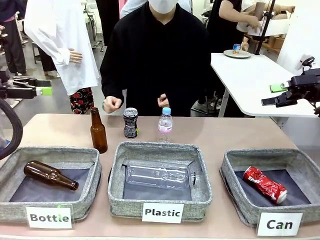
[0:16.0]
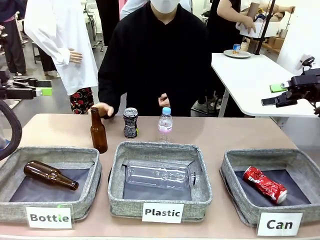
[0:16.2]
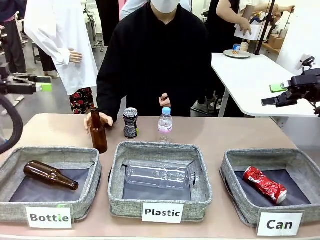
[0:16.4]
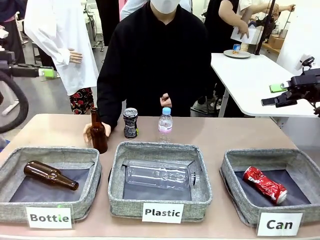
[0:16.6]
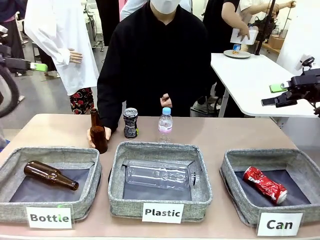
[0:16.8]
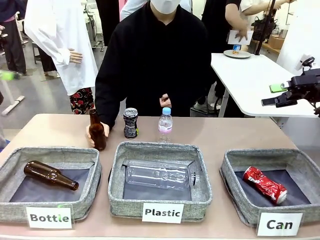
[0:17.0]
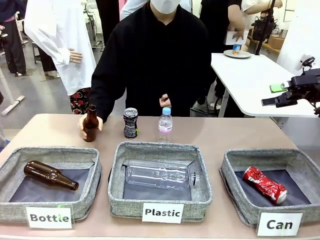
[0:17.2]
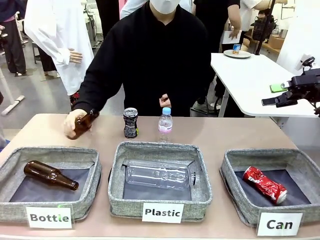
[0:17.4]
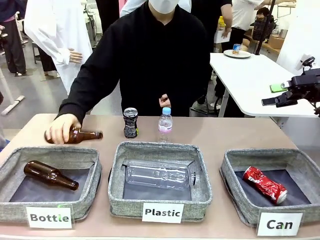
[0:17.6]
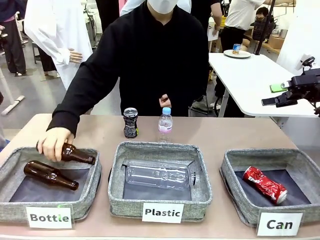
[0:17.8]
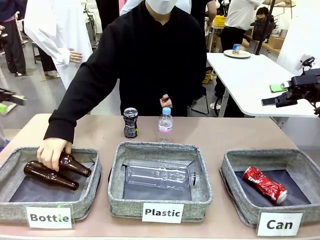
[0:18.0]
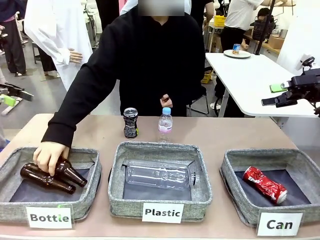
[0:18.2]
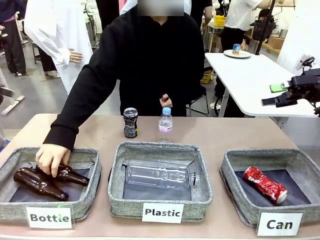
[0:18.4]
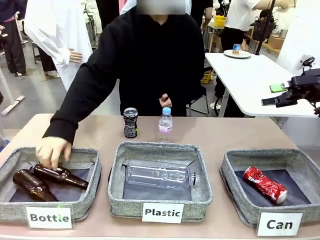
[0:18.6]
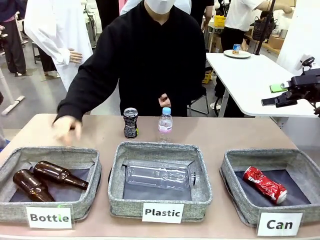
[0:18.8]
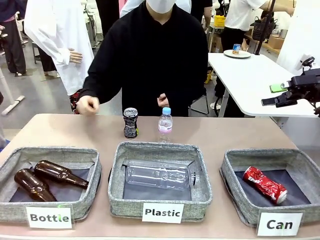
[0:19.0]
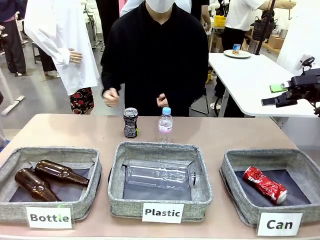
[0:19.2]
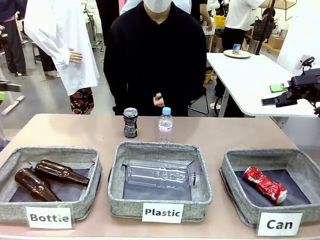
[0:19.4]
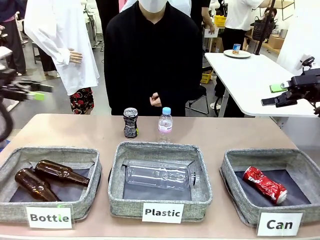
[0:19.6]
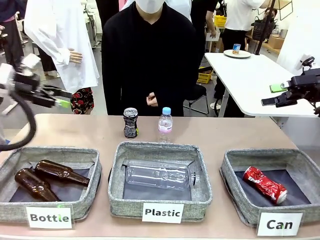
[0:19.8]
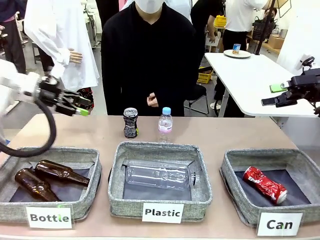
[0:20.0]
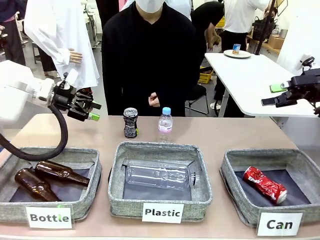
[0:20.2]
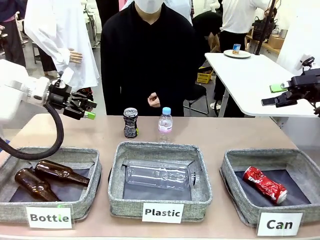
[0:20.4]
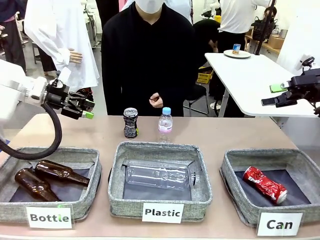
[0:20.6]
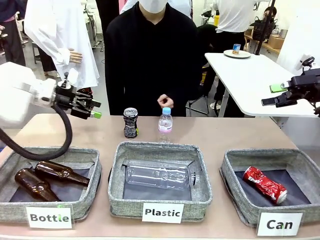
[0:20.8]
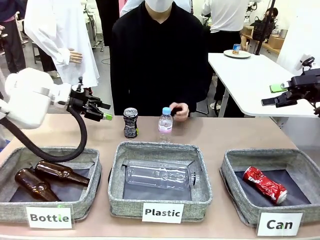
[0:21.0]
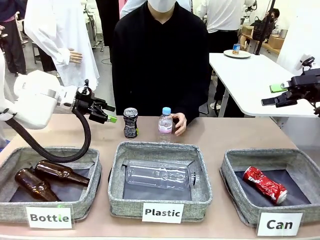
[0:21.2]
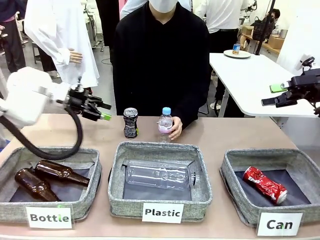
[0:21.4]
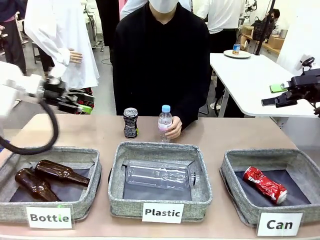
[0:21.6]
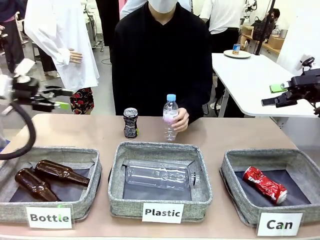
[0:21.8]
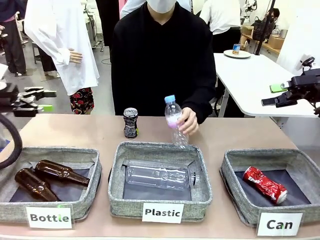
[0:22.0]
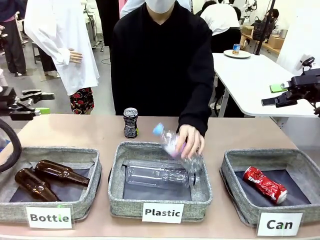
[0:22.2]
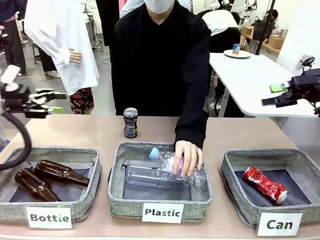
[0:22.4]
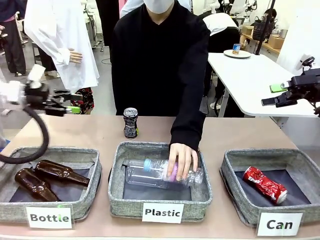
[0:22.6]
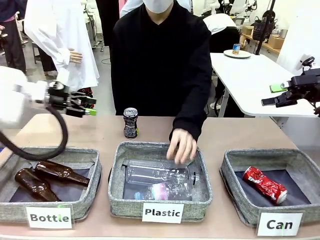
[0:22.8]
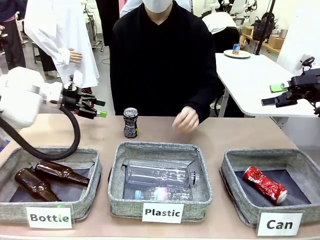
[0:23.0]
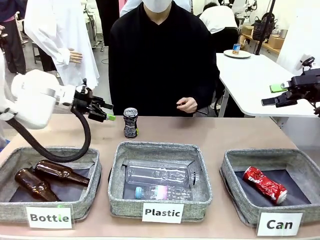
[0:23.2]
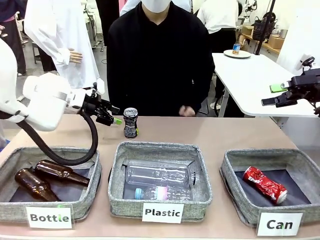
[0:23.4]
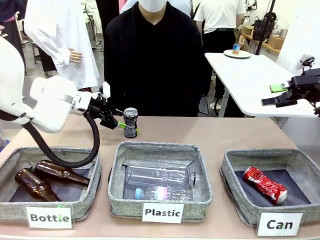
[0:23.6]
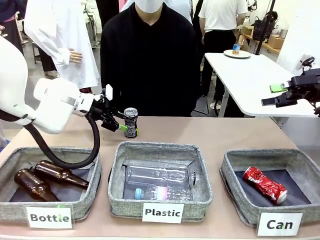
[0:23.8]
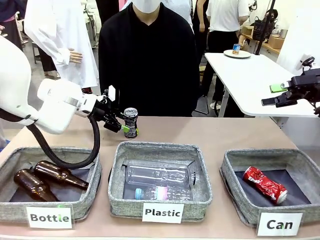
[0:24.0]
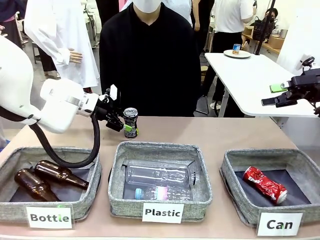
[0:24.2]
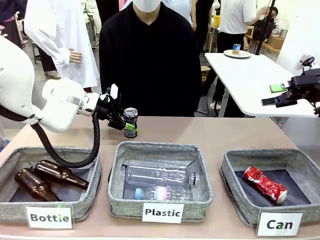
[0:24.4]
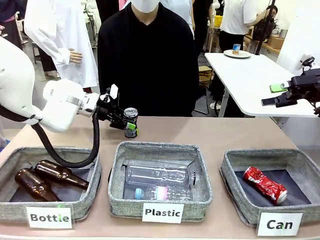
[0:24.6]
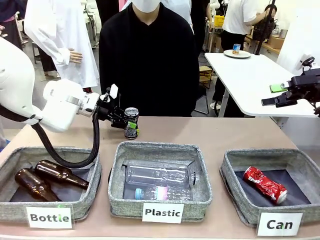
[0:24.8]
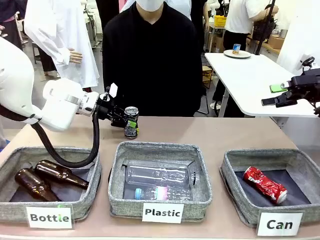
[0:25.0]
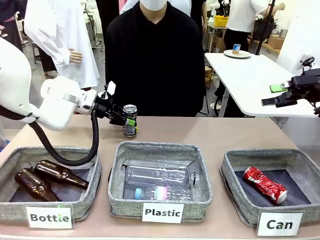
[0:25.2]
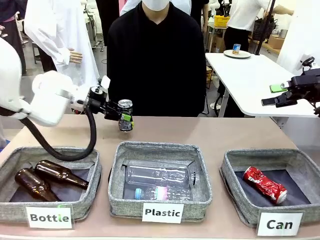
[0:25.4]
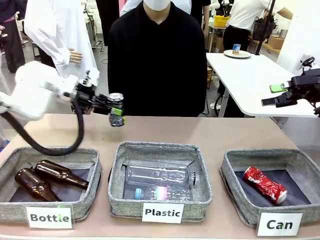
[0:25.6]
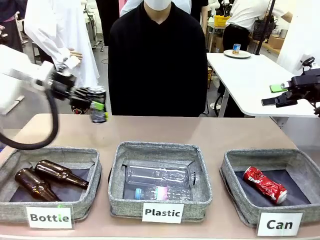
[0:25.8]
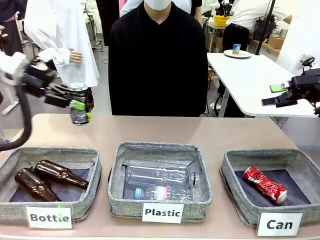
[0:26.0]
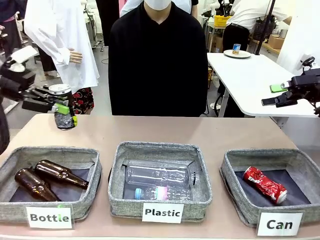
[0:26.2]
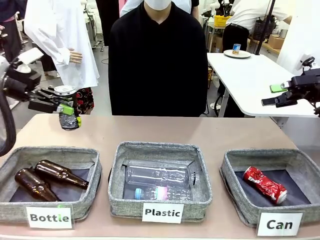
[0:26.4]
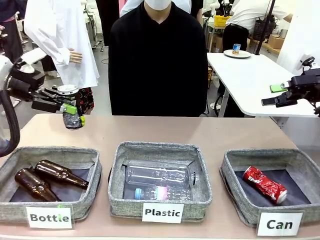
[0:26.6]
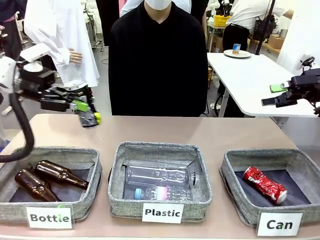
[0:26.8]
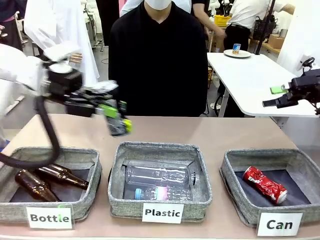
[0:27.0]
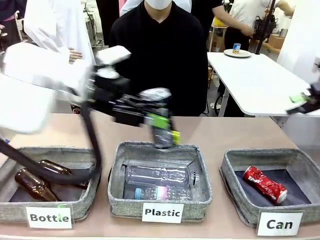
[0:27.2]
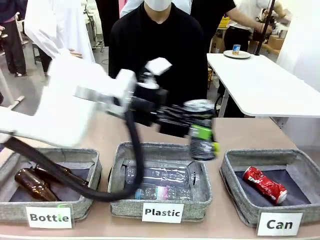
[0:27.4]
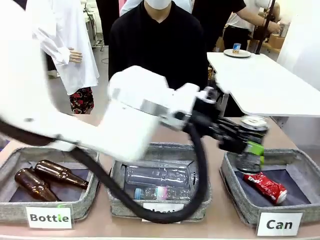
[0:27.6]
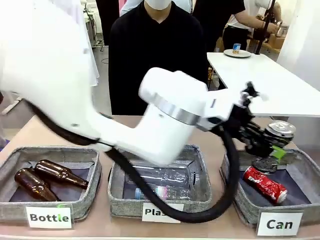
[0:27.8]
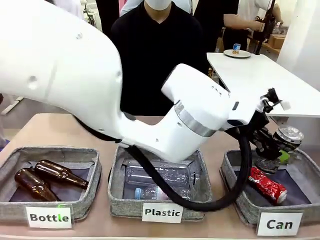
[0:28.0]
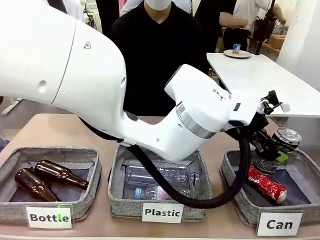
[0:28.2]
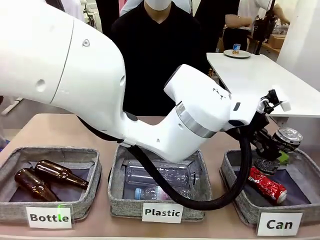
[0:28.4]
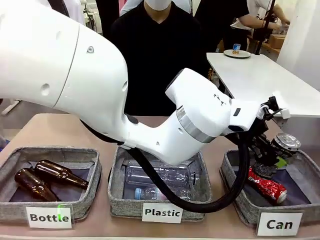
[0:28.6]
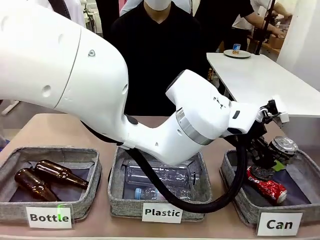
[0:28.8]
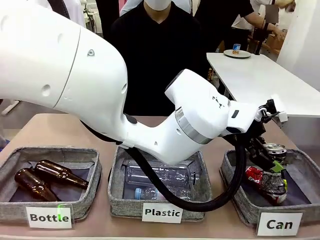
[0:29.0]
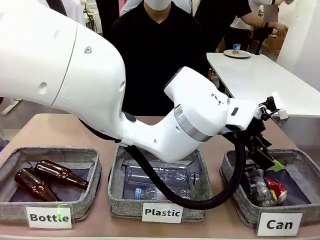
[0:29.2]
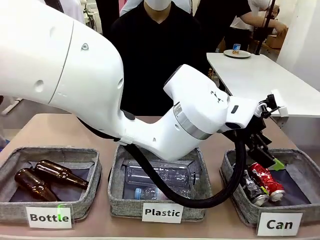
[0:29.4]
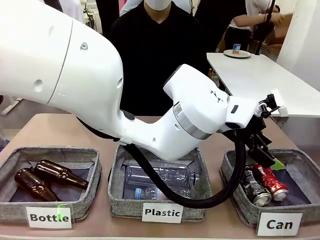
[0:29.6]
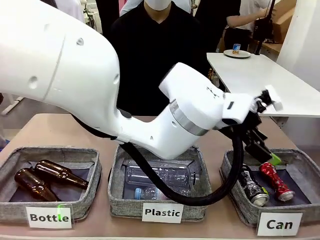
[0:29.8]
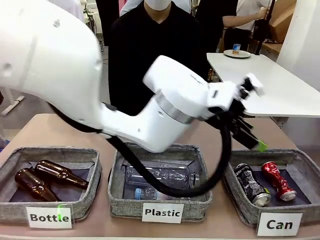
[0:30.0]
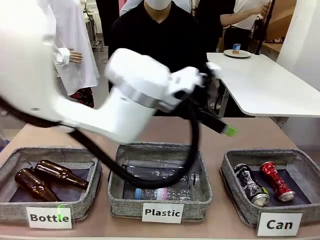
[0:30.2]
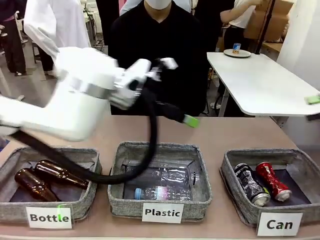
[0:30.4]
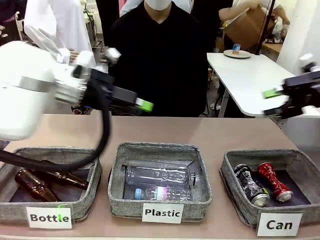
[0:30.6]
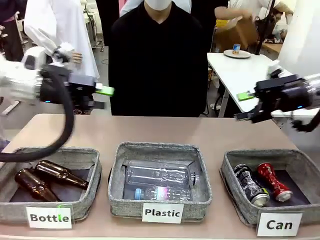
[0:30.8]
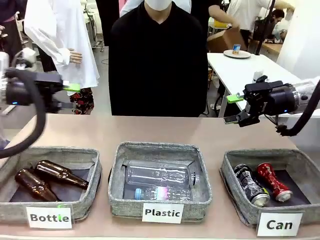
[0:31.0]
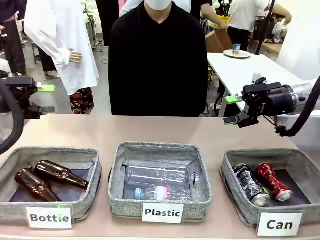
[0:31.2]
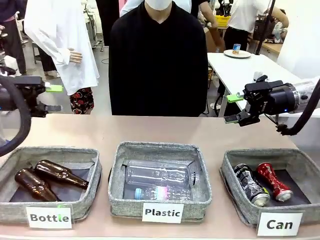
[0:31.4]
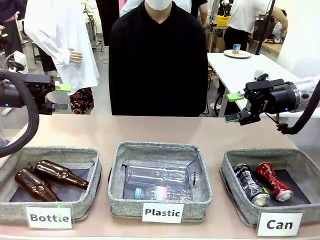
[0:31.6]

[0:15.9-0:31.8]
Task: Sort the can waste into the basket.
Robot: Pick up the can waste from the table and place it in the right Fabric basket.
